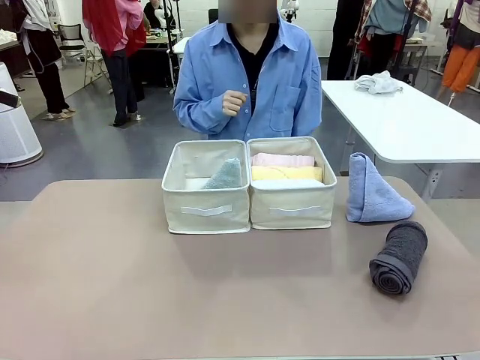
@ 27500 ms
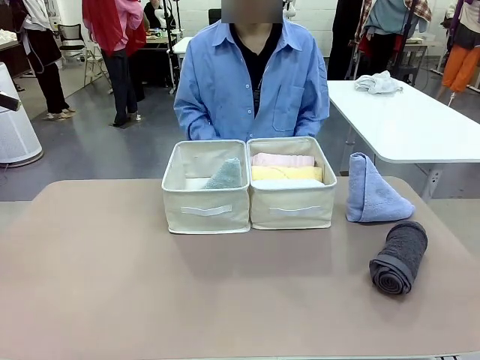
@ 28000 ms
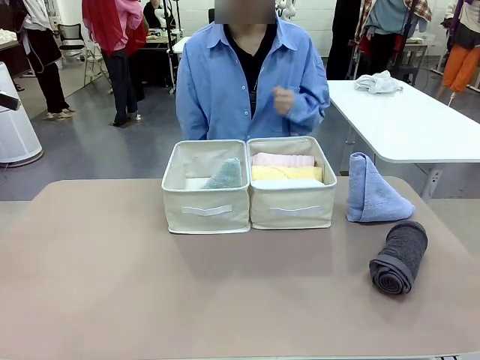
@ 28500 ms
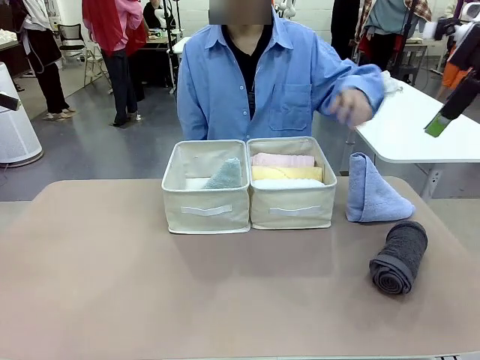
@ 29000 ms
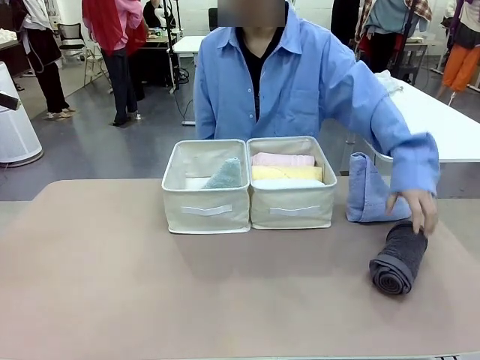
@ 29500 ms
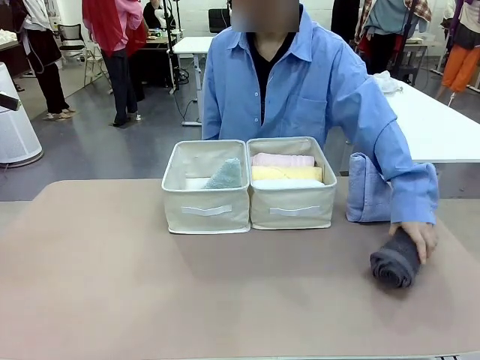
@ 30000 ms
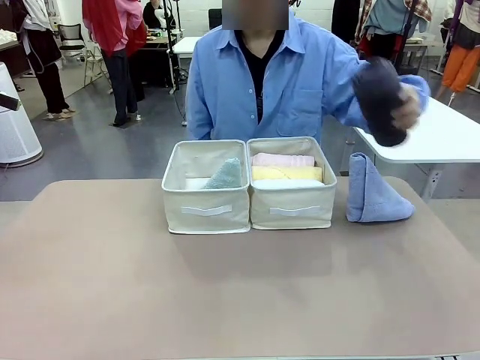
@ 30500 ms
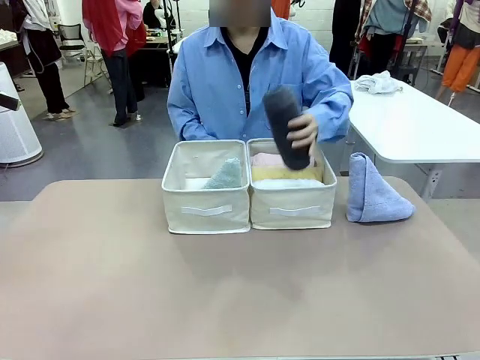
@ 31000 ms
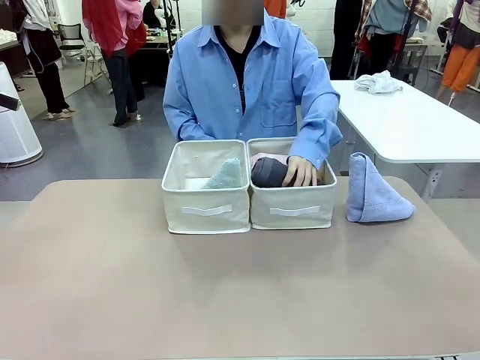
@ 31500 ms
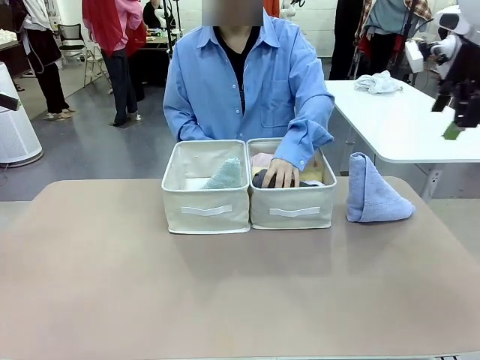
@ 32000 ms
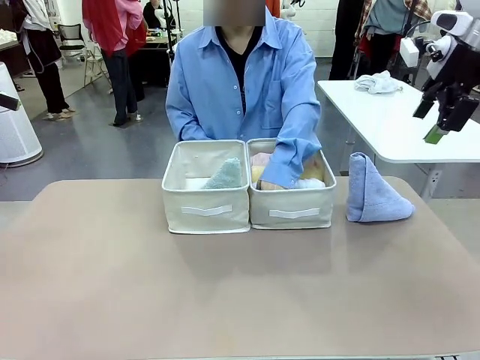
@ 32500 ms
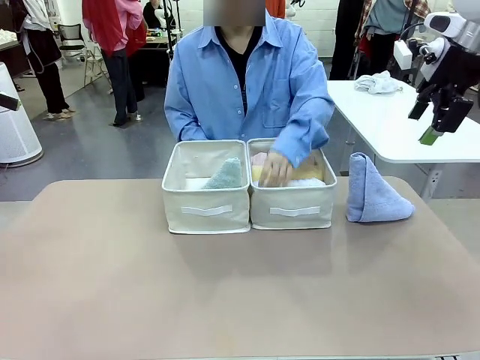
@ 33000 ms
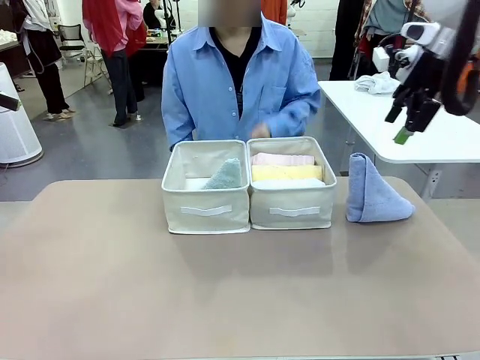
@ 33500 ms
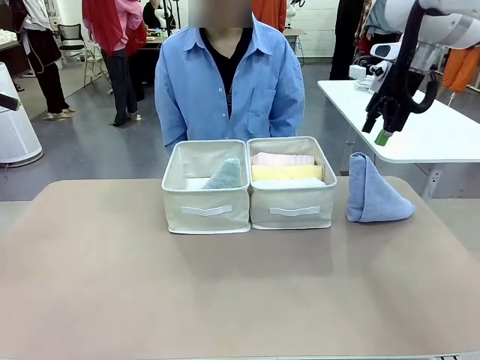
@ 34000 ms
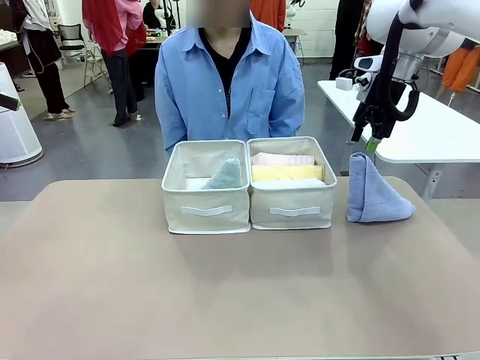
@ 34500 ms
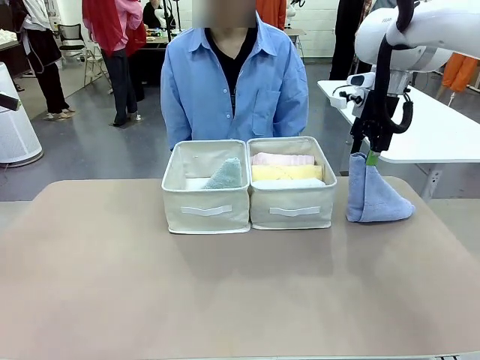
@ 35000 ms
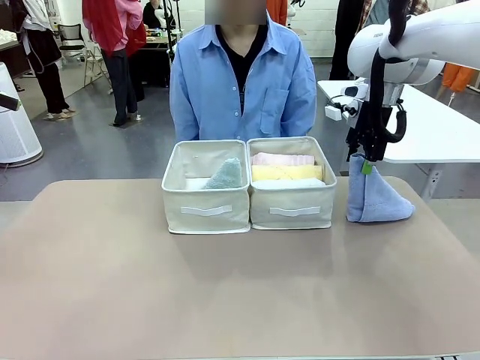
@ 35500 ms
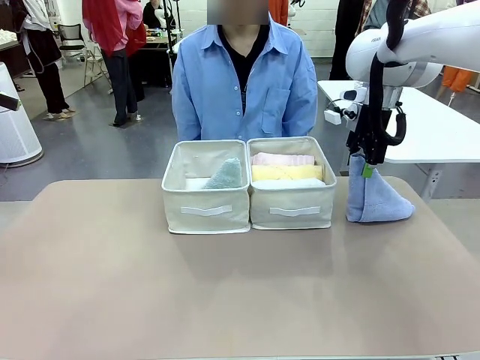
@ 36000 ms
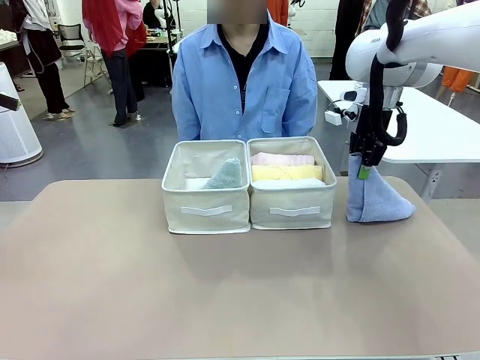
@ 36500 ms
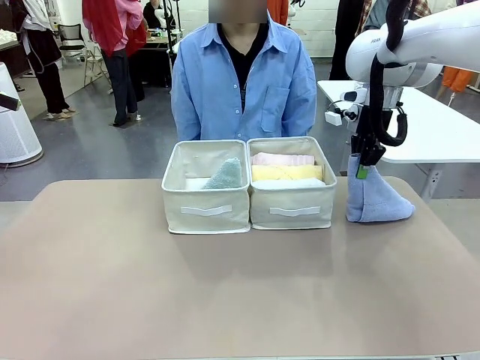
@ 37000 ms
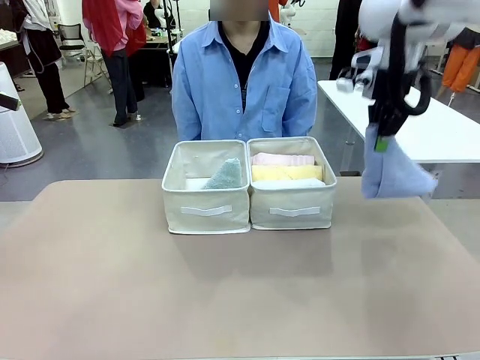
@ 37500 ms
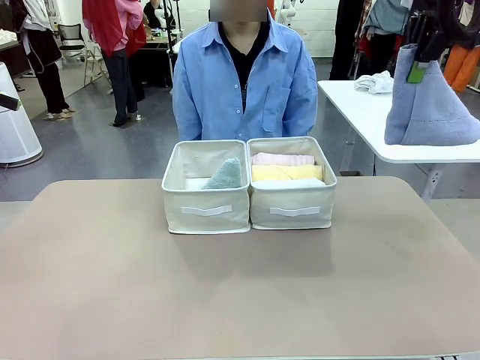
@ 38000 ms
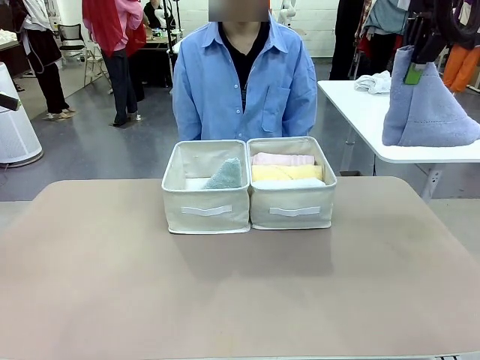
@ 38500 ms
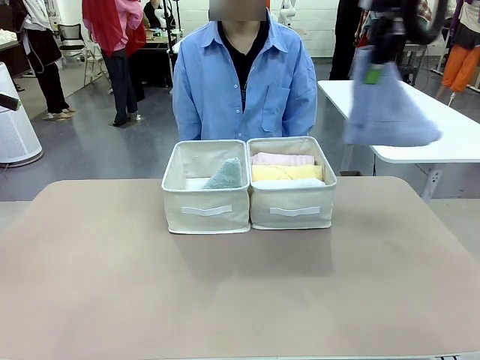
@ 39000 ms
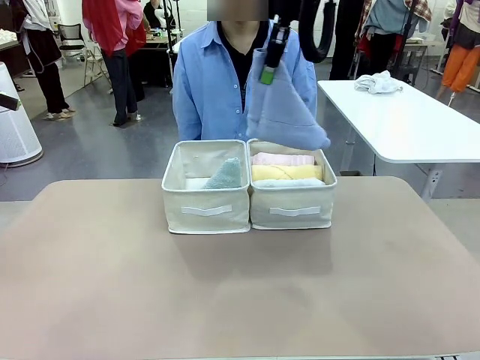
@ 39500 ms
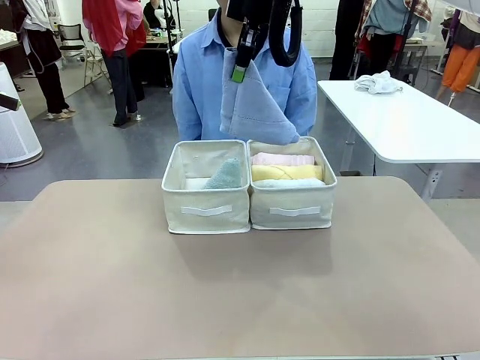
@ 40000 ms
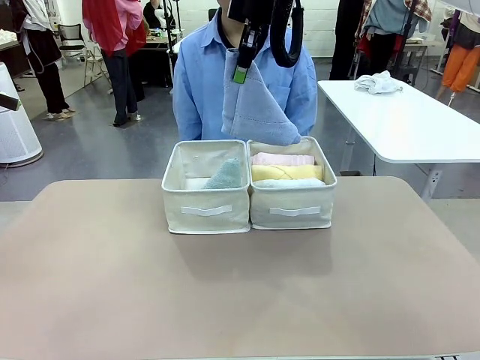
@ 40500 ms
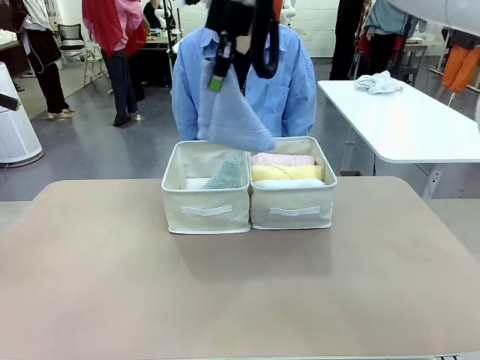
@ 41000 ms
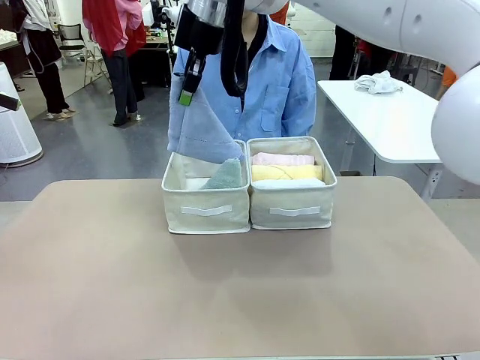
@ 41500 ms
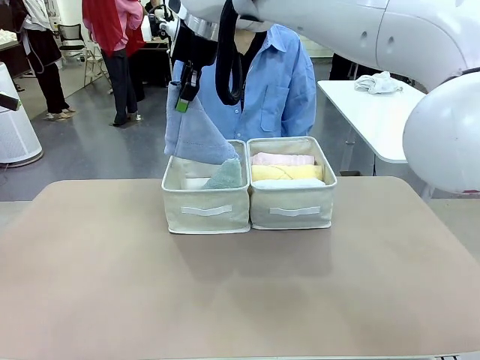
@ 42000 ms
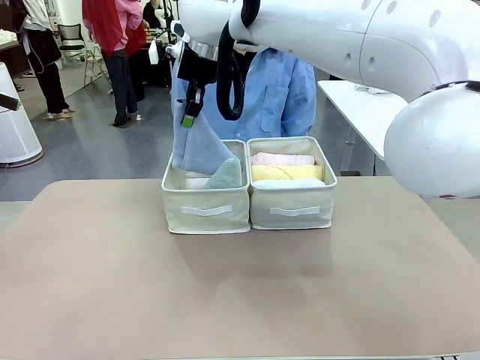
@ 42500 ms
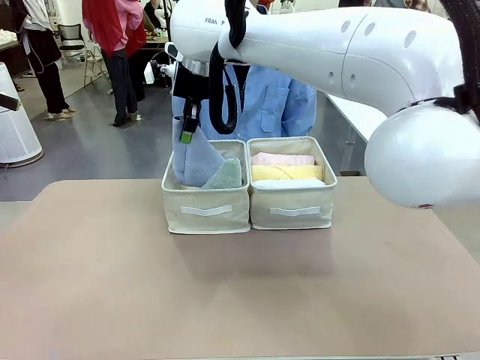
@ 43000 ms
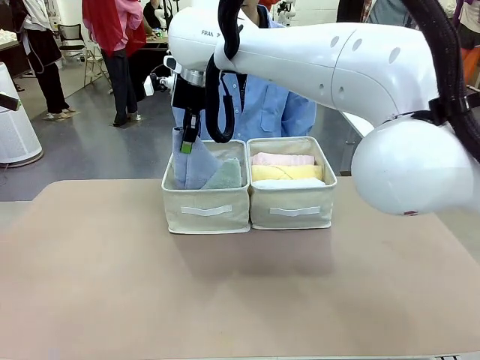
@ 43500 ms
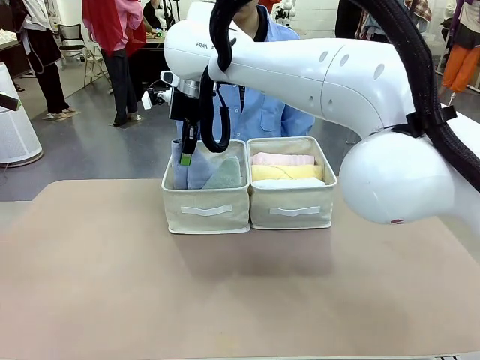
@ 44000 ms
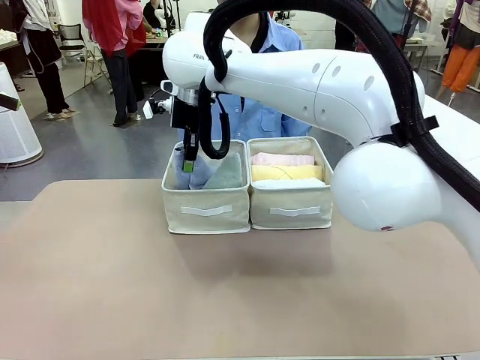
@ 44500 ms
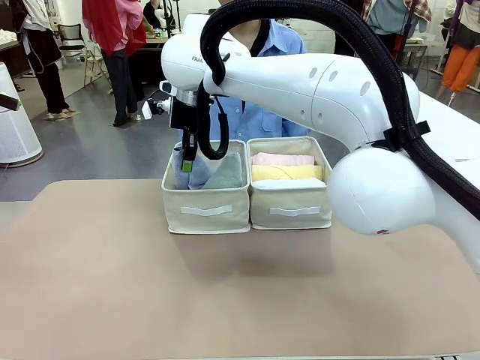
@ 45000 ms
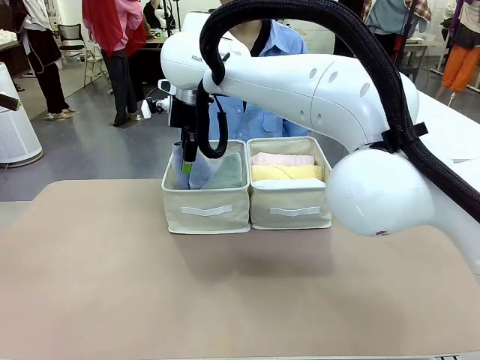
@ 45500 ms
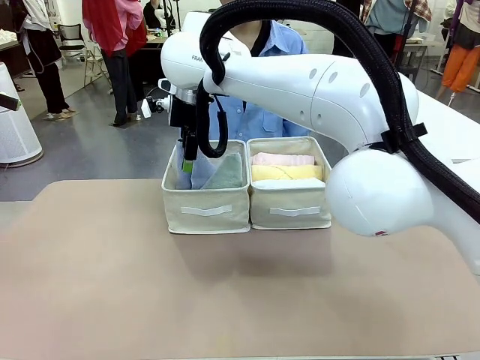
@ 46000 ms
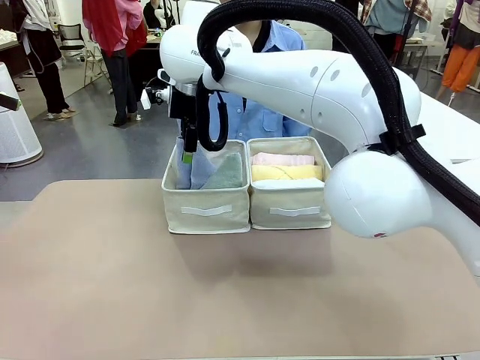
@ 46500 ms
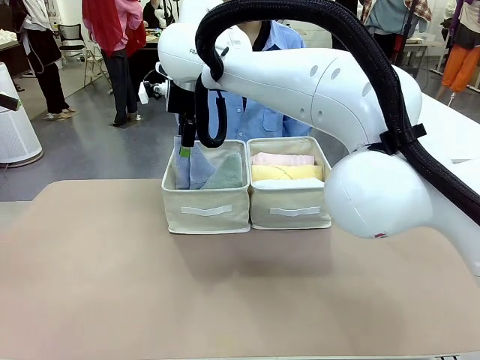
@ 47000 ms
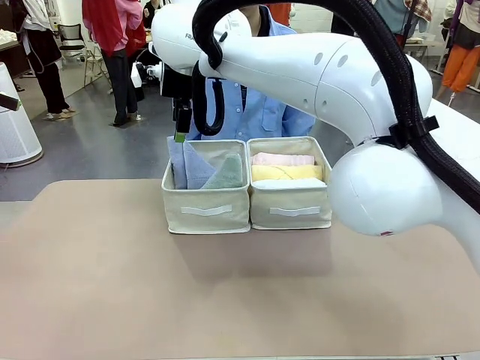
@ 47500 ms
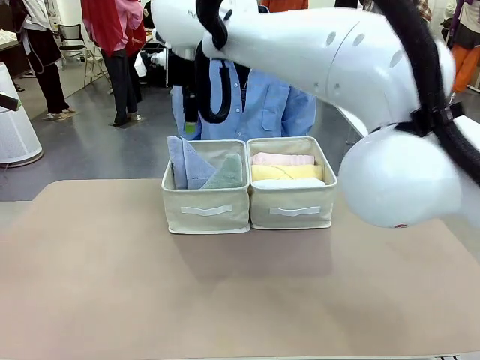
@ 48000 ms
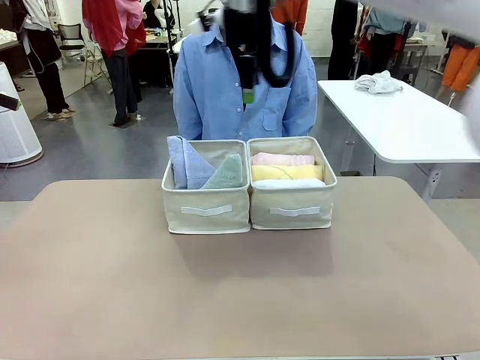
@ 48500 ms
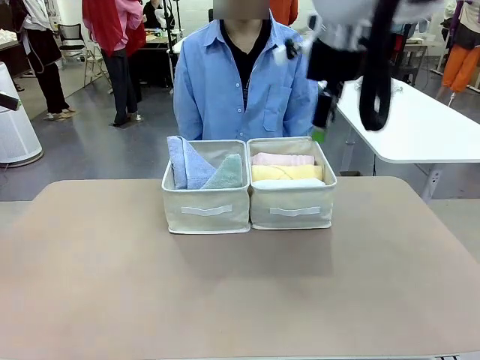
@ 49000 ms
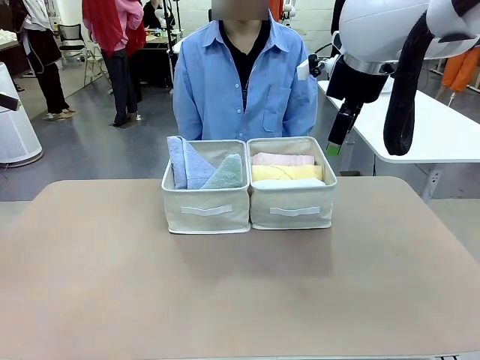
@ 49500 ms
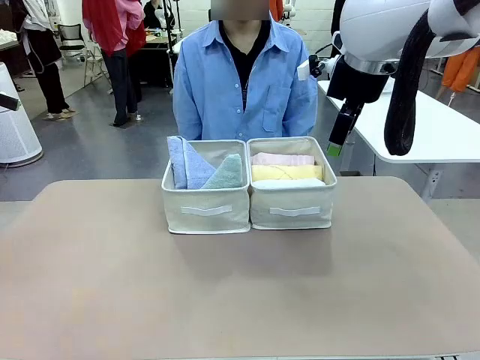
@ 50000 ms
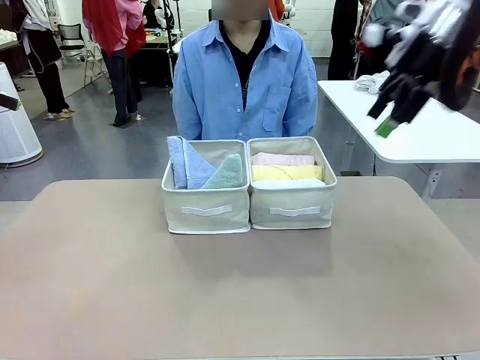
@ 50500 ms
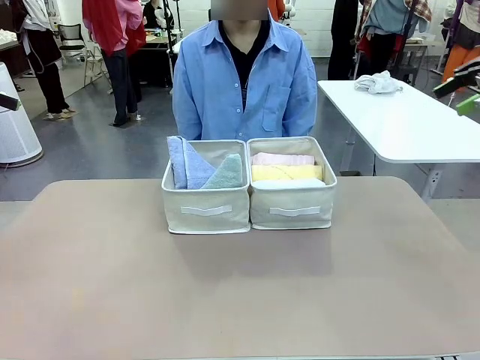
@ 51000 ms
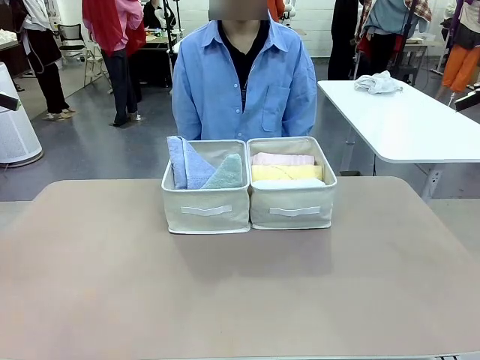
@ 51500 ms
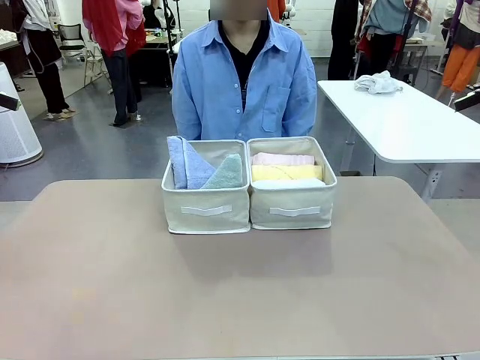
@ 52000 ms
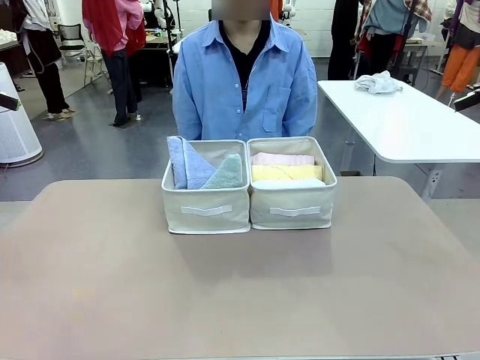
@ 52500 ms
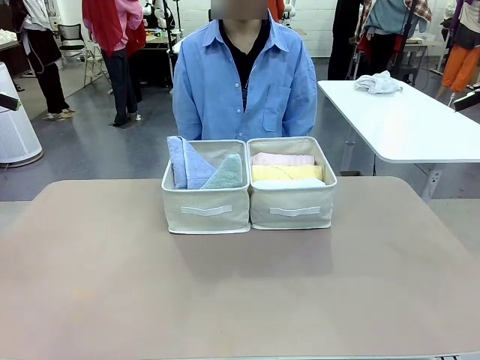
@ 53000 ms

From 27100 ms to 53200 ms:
Task: Sort the towels based on their folding style.
Robot: Pick up another triangle-folded towel from the table and place it in the left Fabric basket.
Person: Pick up one hotel-style rolled towel from the table and place it in the left fabric basket.
